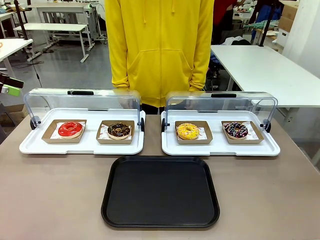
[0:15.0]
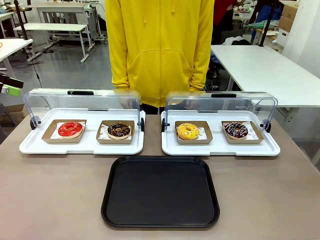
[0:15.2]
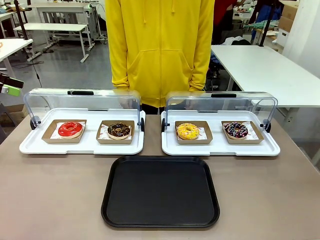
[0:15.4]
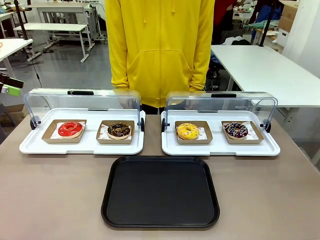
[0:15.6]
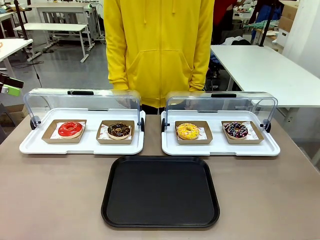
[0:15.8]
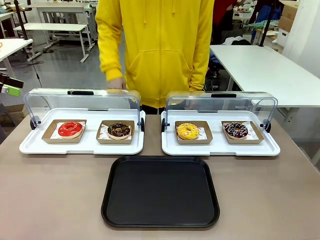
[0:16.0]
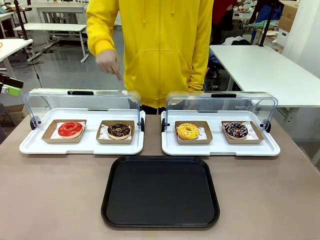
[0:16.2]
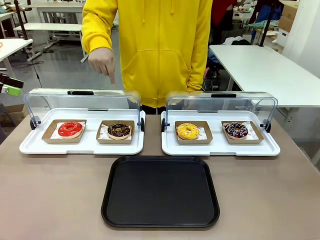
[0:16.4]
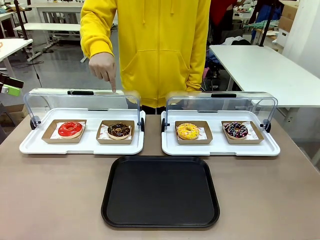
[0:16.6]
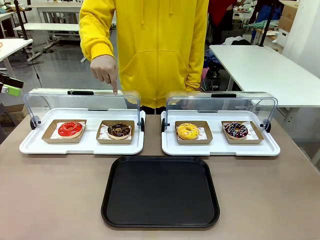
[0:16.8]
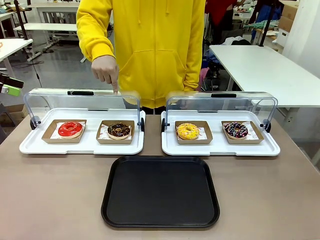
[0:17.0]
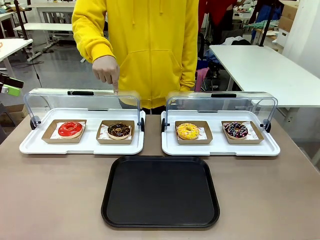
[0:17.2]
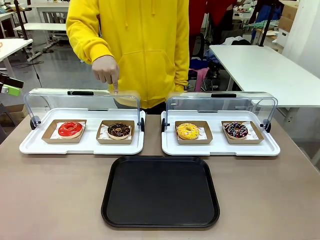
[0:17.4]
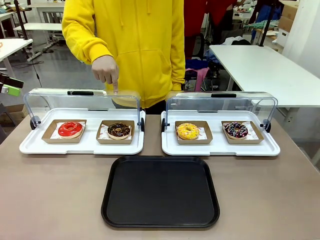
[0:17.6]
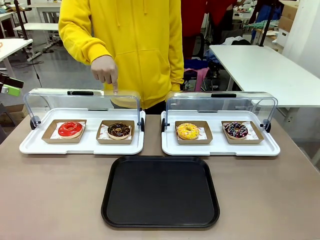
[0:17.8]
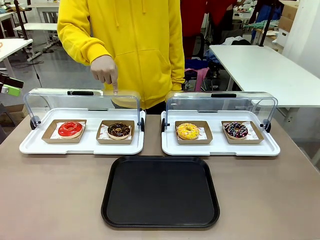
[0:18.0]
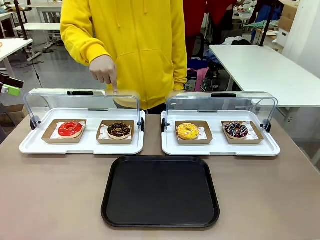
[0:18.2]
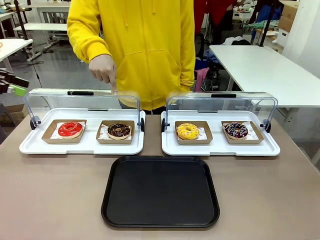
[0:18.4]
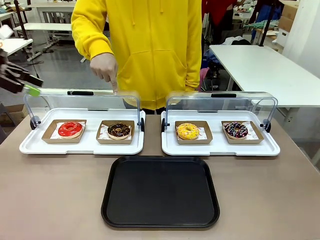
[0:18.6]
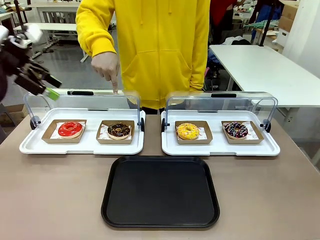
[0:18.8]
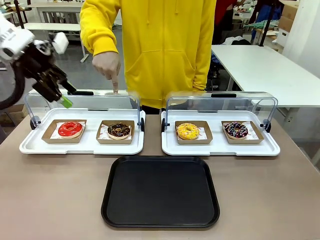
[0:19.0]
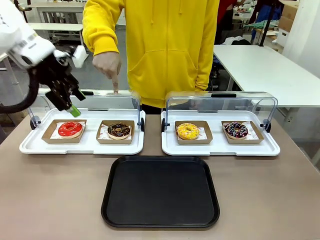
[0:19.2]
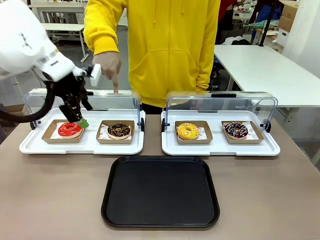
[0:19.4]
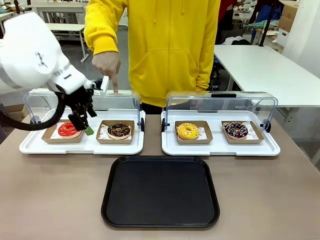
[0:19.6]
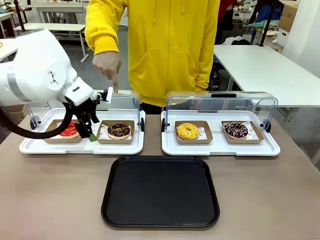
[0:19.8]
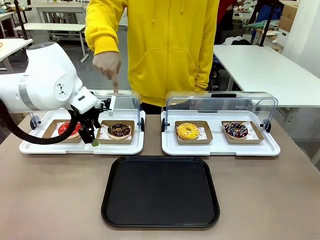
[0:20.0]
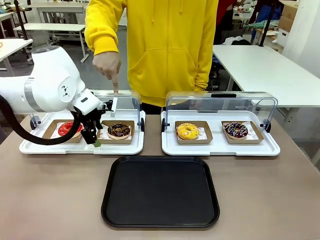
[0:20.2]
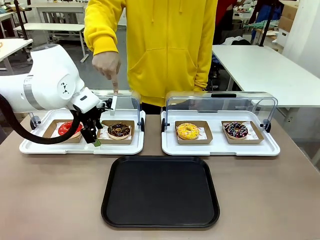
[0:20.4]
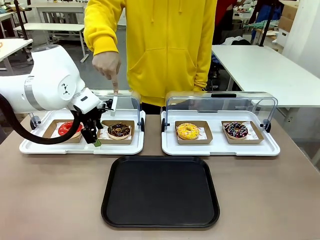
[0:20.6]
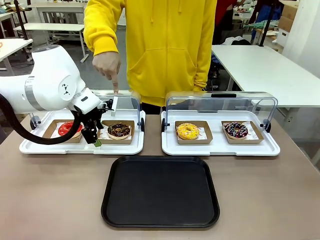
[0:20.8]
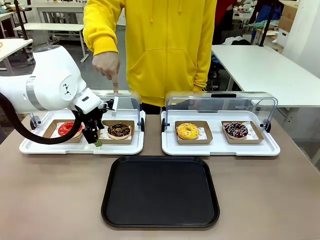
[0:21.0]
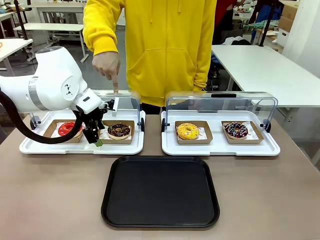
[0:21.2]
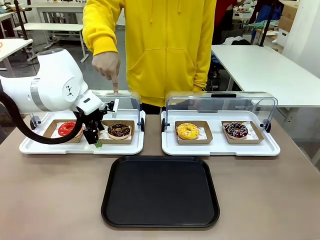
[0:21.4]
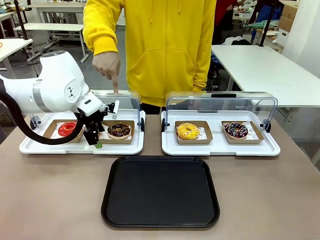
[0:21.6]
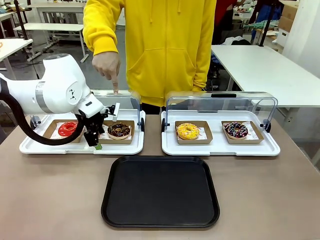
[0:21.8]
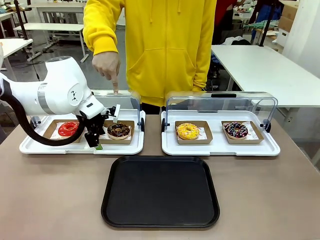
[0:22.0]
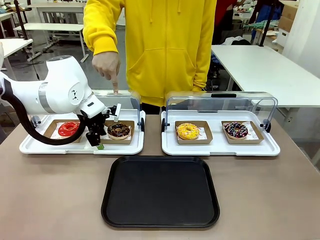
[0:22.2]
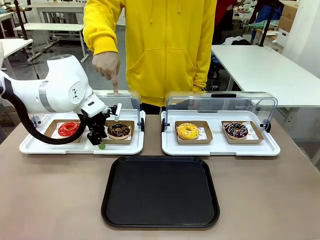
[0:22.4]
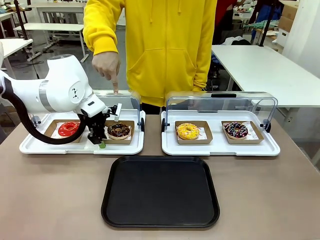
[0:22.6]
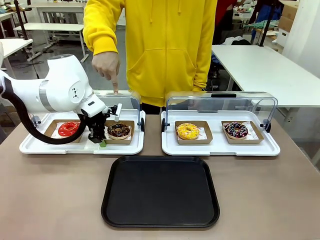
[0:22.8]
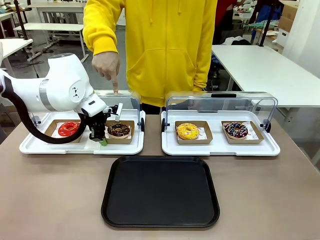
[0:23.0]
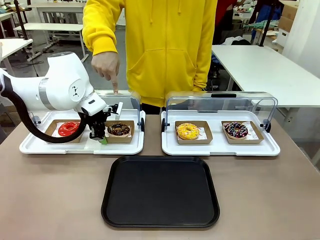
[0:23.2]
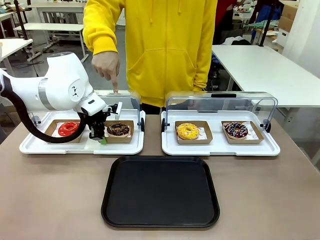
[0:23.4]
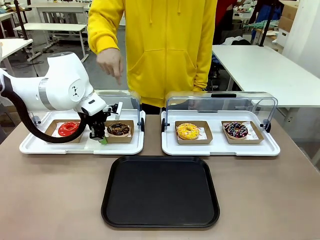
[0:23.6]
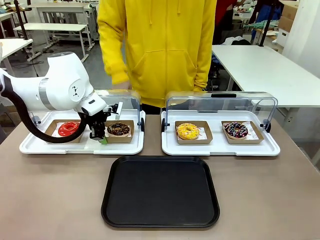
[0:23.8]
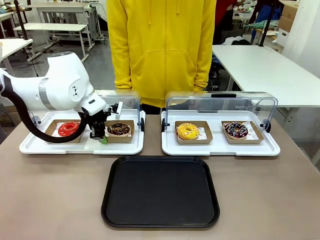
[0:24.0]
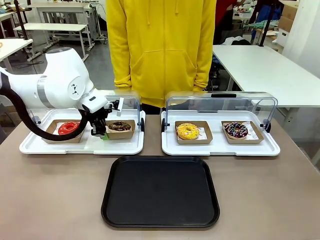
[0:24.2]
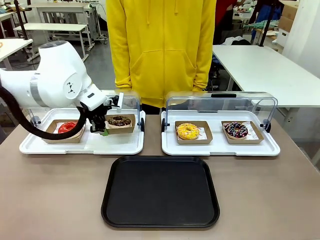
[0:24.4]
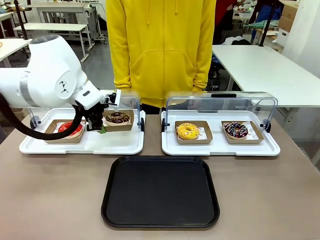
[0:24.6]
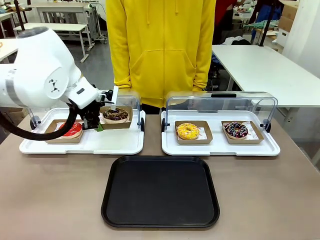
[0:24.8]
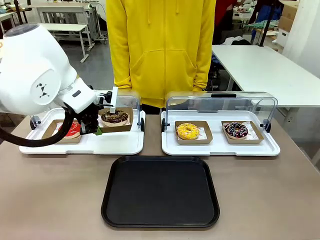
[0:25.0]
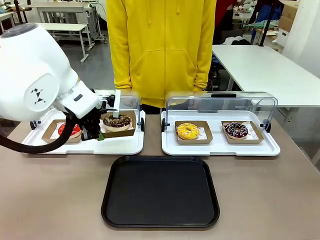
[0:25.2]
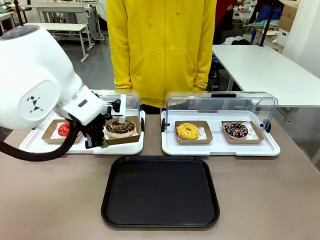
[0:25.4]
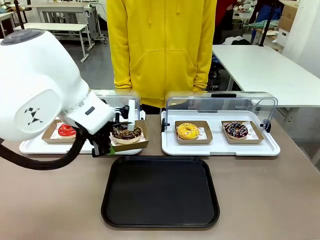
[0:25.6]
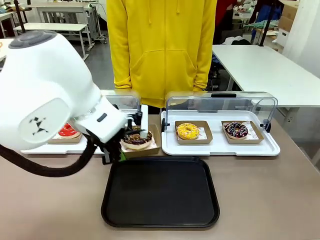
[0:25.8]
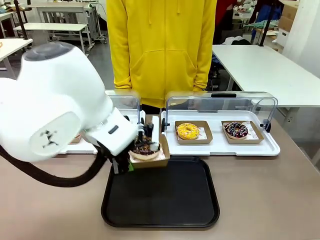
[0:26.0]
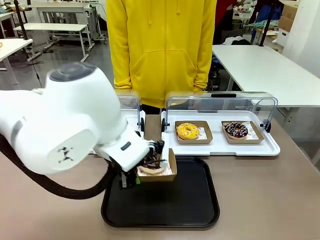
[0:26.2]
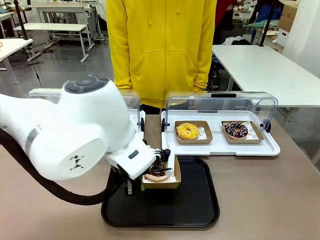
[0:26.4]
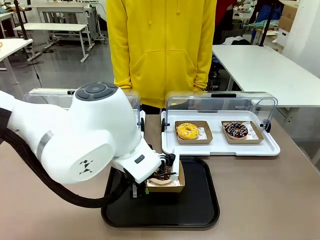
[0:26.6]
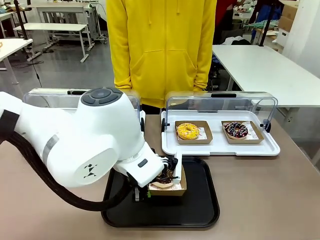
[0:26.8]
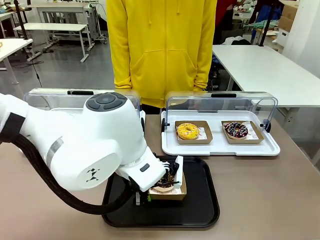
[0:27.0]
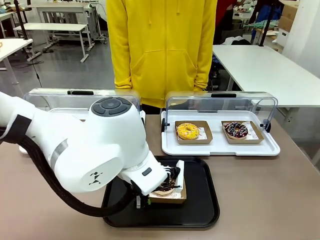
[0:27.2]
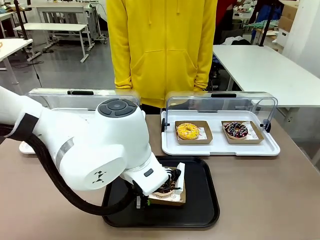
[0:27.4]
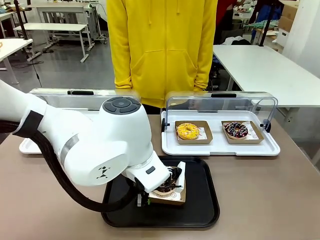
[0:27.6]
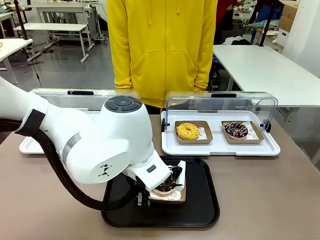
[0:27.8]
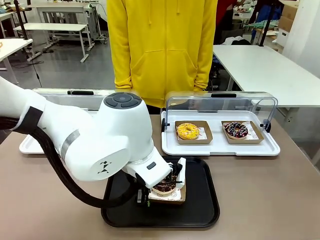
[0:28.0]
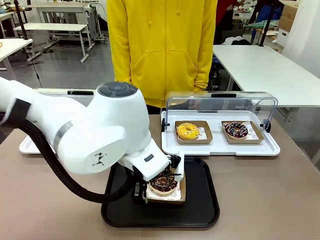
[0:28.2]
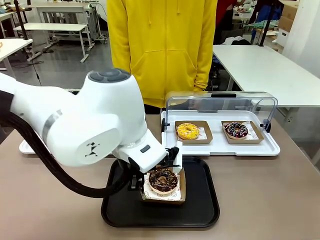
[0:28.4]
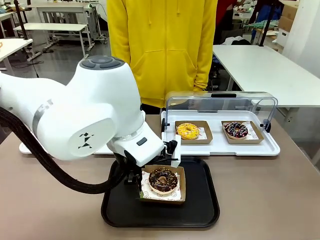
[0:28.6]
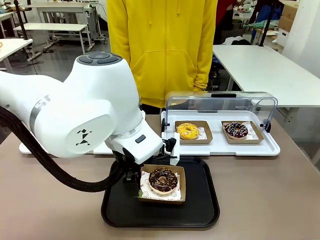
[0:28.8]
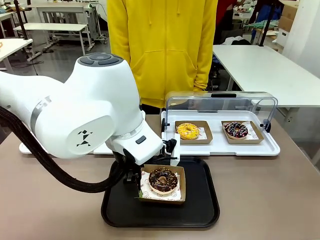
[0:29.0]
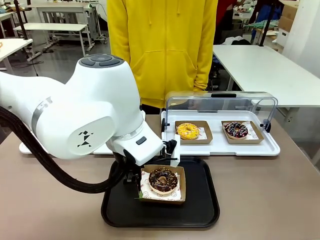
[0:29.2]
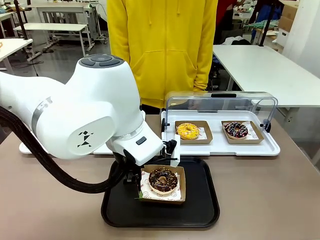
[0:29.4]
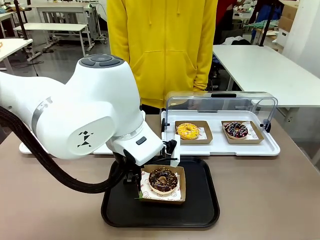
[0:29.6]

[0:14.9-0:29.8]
Task: Move the second donut from the left to the tray.
Robot: Pick up the Paper togo box containing the Donut indicated by the person and place it on the Handle tray.
